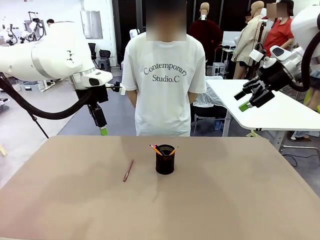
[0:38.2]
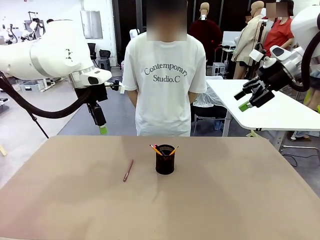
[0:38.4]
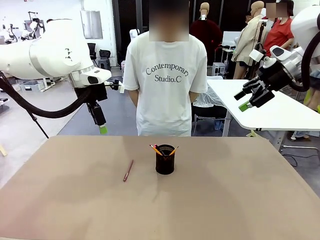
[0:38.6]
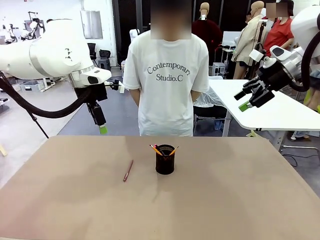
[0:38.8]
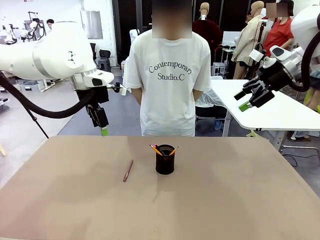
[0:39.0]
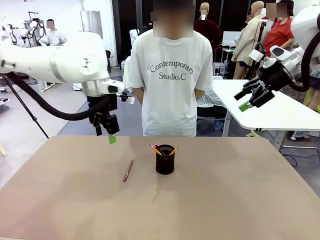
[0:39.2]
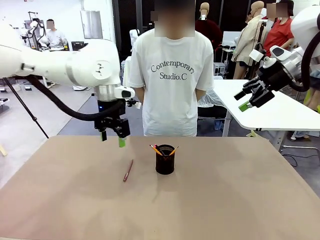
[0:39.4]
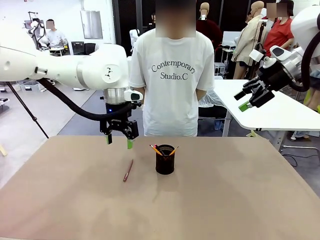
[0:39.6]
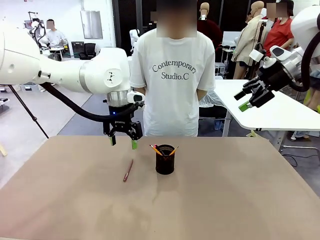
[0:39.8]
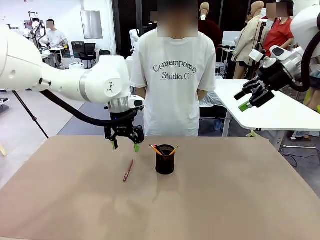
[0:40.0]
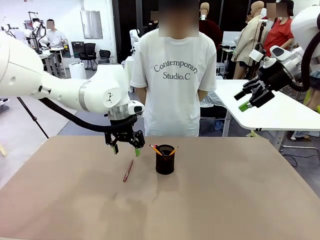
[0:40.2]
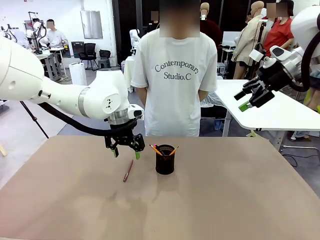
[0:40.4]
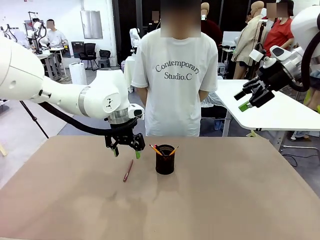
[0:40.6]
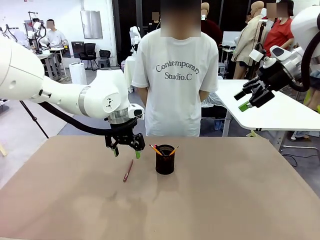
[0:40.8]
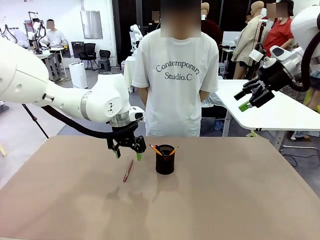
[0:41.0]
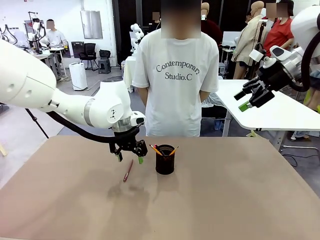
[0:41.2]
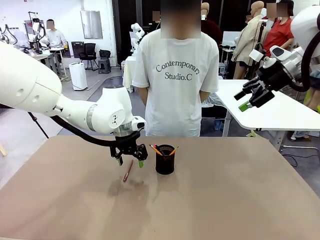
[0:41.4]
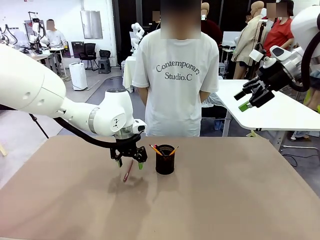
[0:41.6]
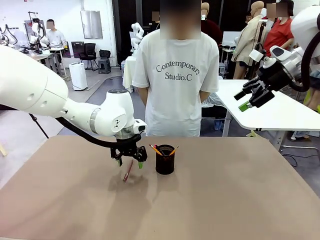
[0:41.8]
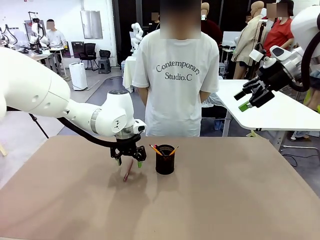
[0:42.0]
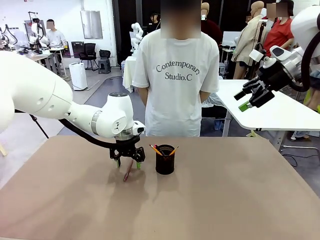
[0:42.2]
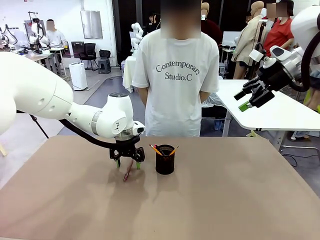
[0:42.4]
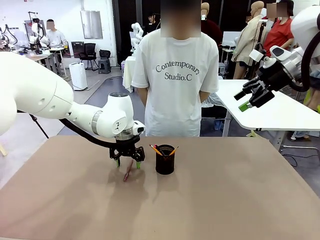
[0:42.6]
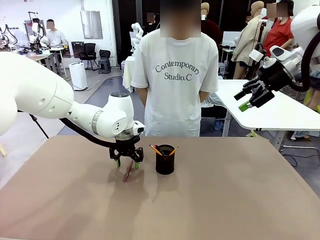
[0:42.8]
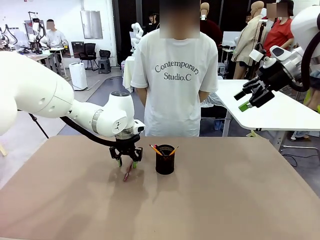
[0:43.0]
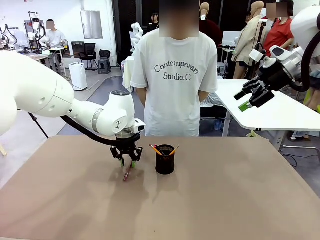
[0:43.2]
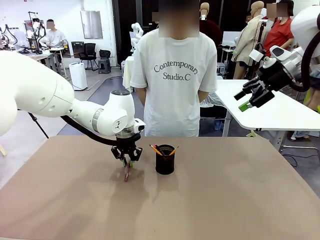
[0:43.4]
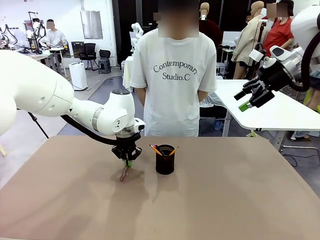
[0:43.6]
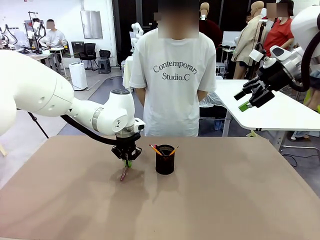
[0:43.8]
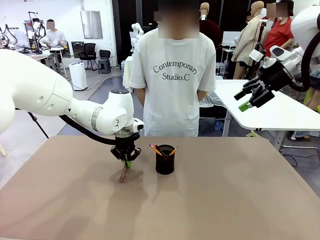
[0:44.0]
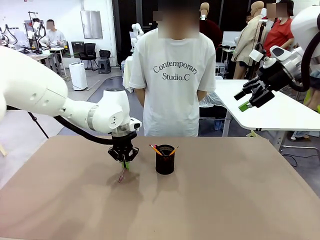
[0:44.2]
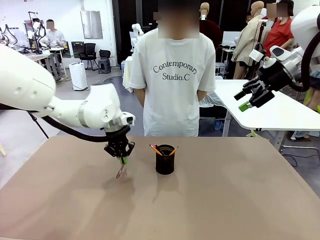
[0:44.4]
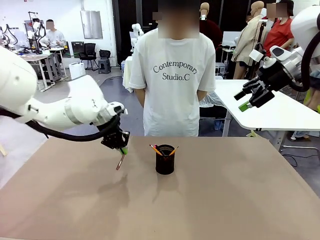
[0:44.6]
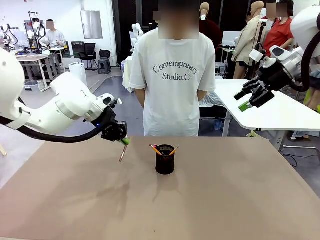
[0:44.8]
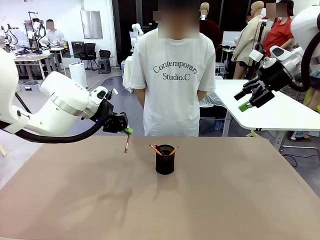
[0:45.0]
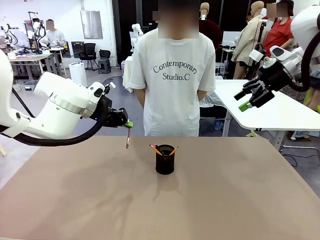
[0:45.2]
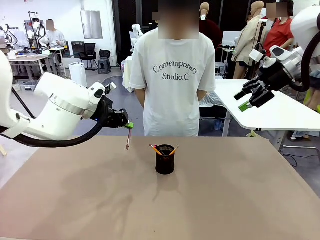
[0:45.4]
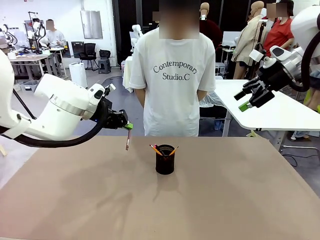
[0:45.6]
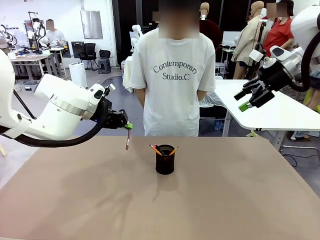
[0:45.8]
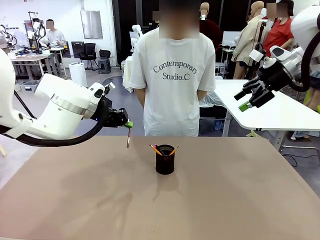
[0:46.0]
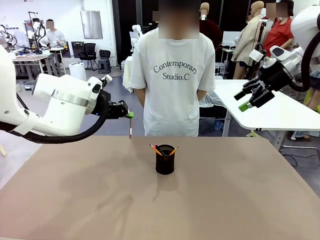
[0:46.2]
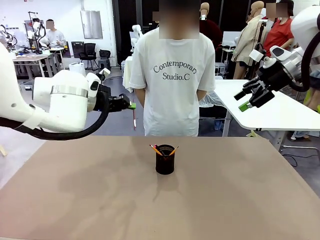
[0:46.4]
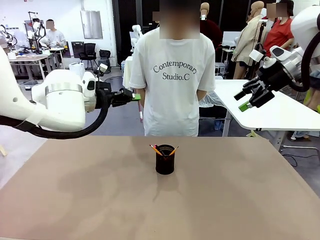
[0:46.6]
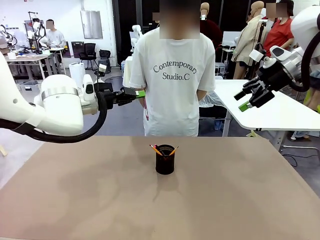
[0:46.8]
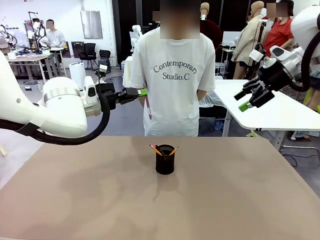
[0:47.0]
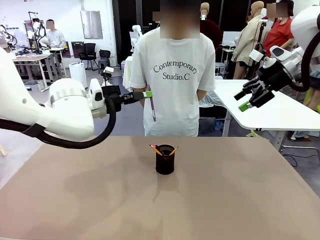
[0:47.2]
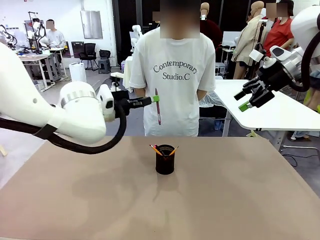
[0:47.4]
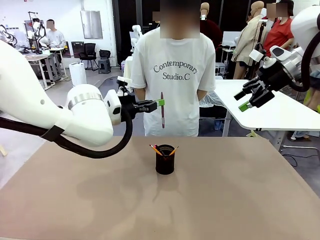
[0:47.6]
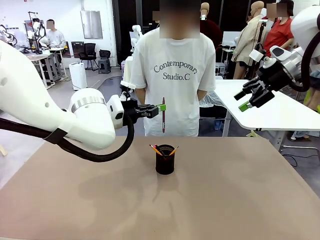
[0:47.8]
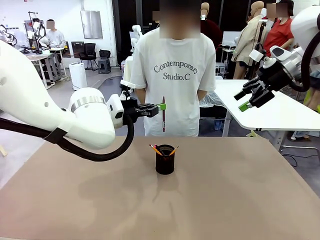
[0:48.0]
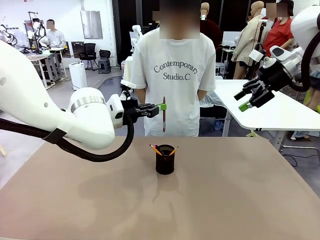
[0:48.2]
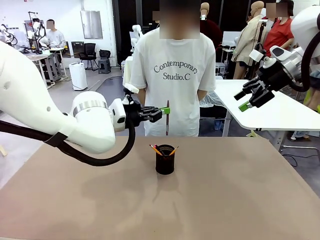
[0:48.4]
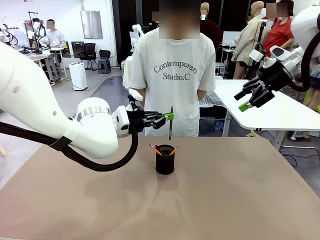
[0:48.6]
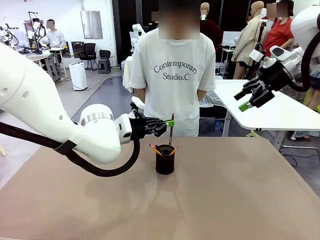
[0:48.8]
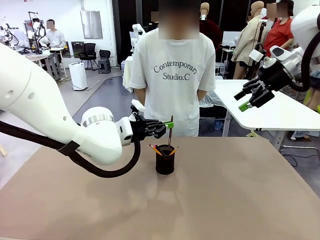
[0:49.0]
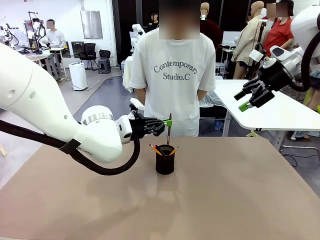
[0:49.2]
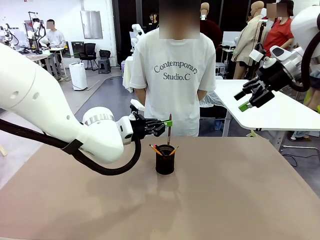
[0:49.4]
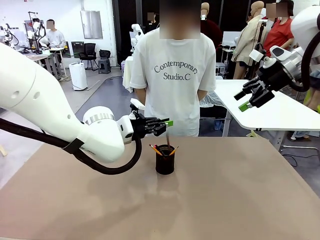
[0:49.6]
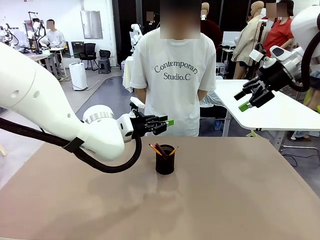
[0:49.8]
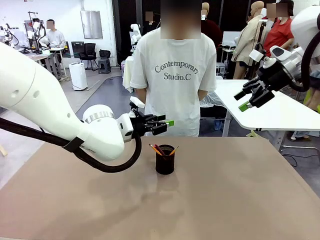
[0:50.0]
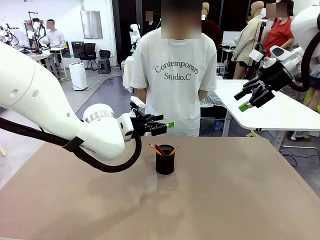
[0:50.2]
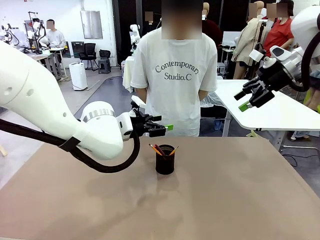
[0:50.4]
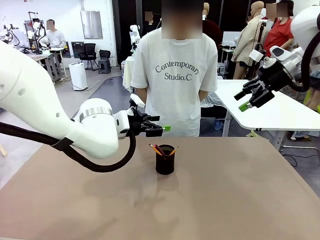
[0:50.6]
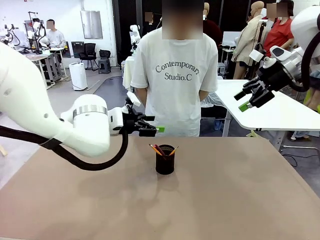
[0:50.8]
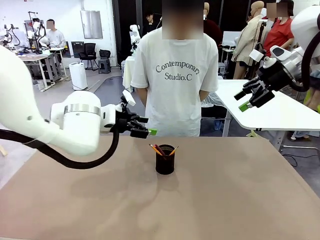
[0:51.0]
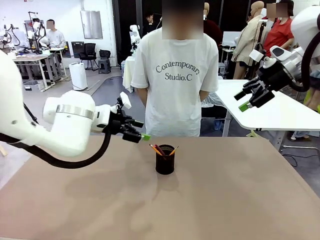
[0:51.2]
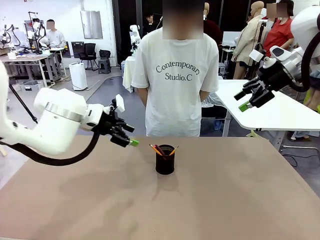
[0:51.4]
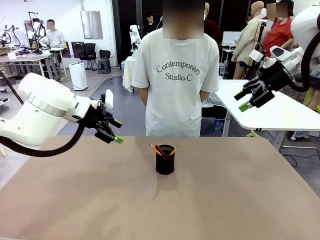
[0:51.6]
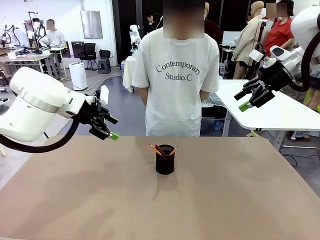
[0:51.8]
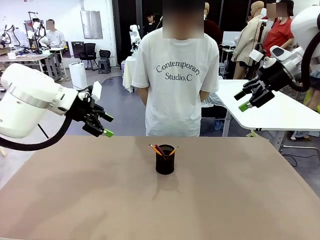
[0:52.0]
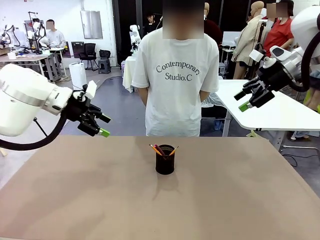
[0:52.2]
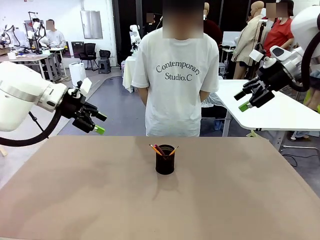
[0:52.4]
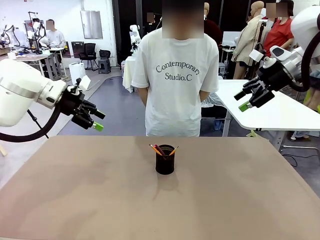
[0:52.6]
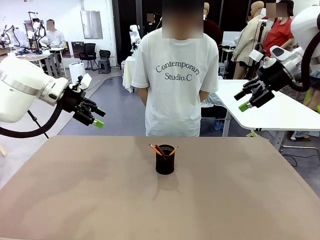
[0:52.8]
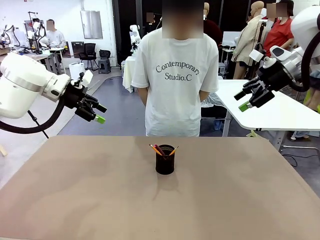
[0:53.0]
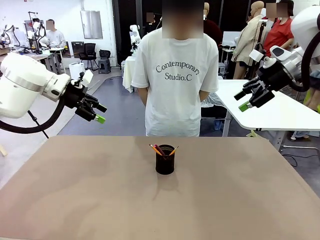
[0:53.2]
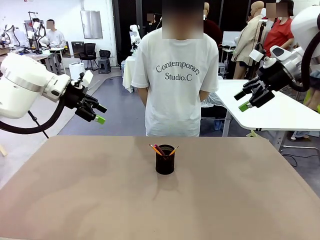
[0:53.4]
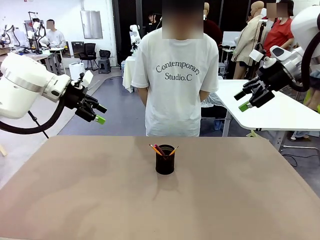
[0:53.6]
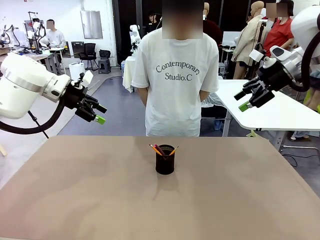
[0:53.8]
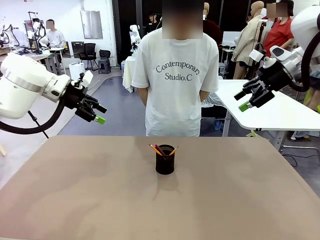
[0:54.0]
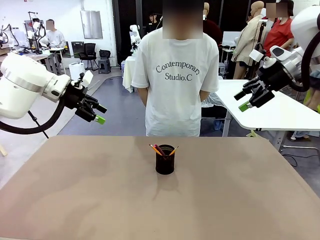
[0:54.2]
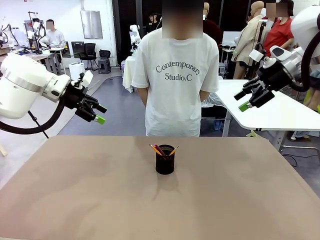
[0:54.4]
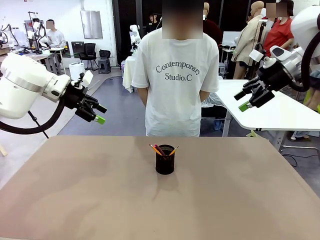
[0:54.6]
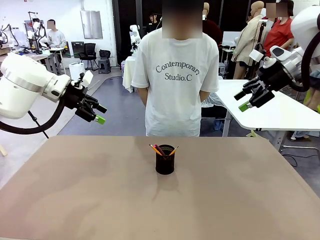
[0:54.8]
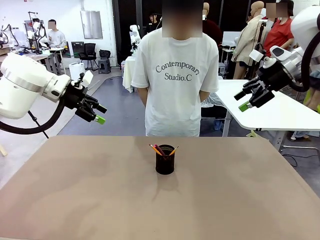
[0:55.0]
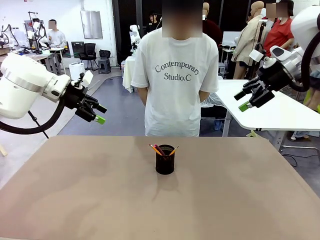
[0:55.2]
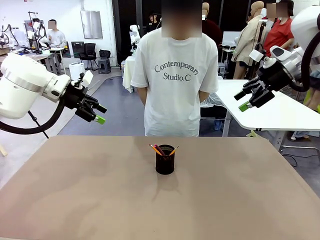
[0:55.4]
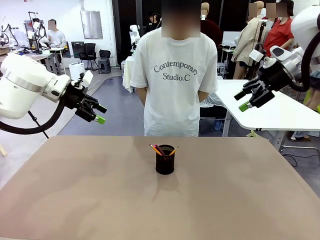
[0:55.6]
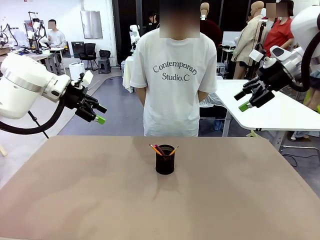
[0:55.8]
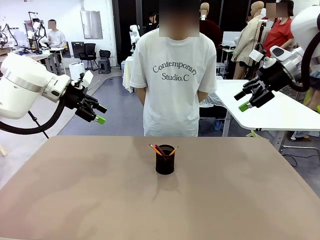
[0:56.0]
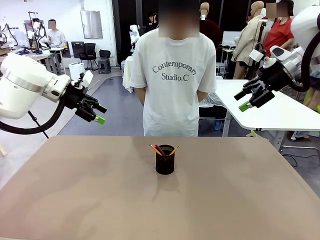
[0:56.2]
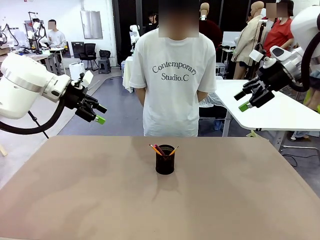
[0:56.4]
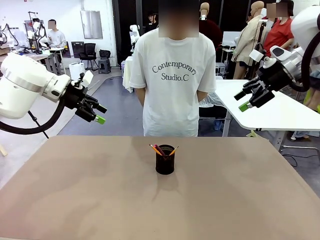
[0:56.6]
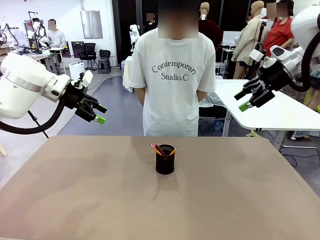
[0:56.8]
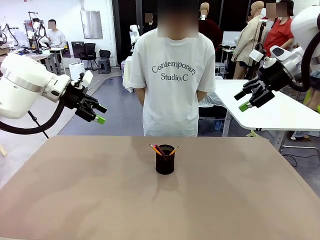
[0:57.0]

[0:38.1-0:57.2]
Task: Place the pens into the pen holder.
Robot: Pick up a writing instrument from the table and place it into the Pen holder.
